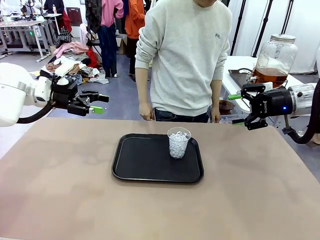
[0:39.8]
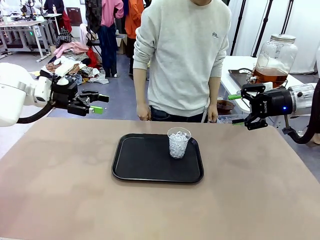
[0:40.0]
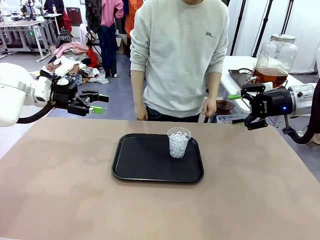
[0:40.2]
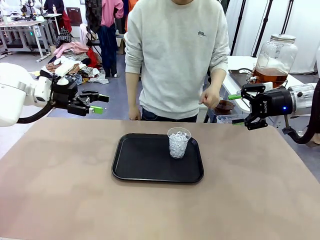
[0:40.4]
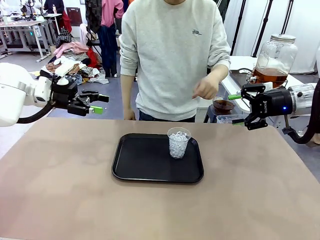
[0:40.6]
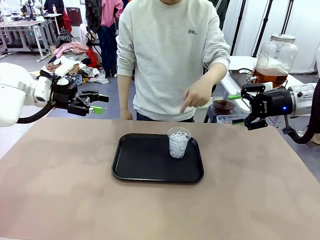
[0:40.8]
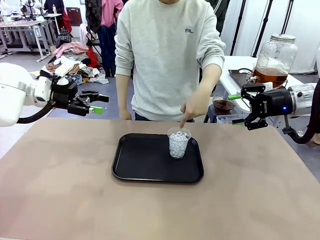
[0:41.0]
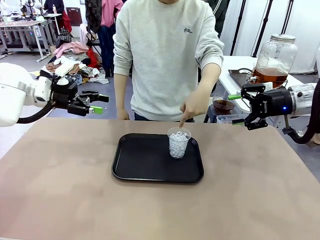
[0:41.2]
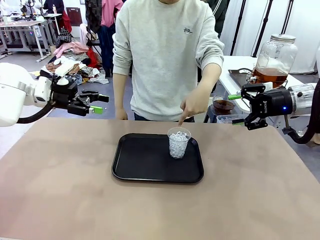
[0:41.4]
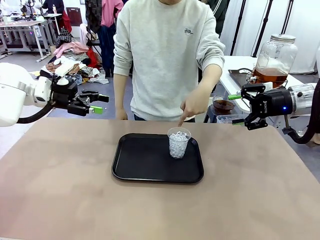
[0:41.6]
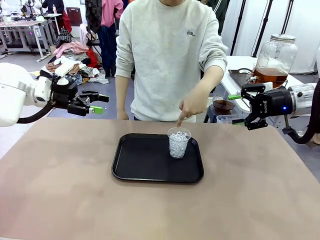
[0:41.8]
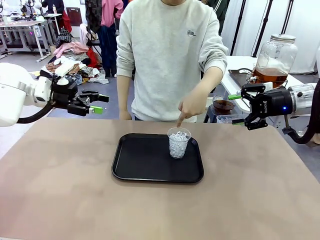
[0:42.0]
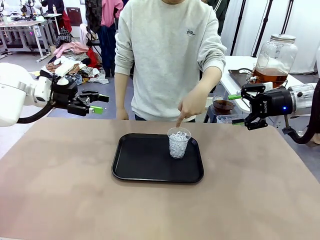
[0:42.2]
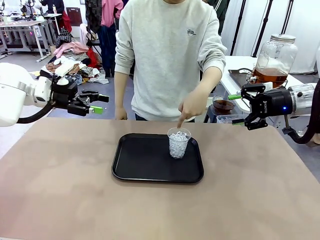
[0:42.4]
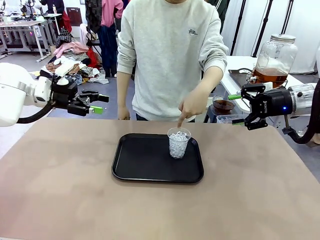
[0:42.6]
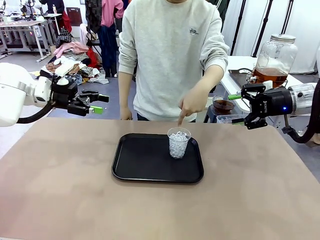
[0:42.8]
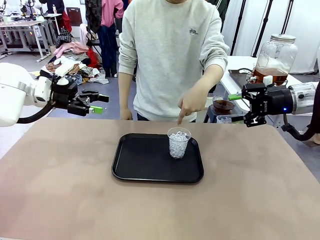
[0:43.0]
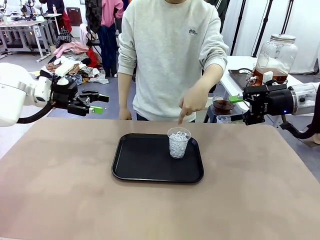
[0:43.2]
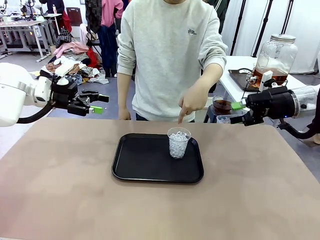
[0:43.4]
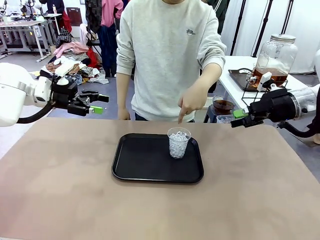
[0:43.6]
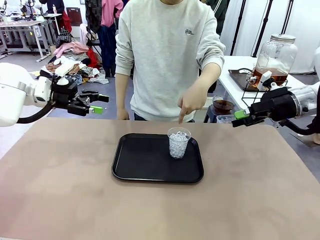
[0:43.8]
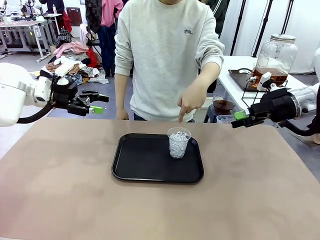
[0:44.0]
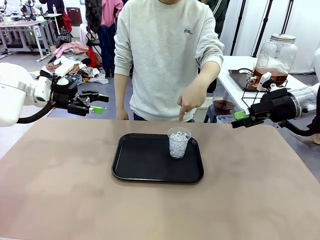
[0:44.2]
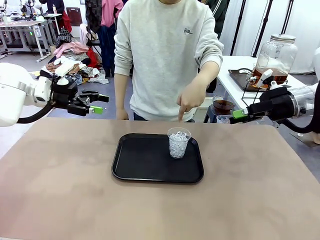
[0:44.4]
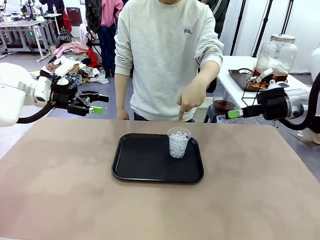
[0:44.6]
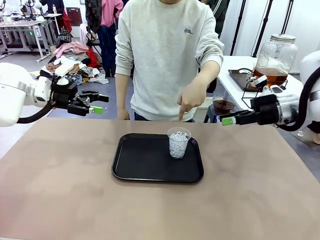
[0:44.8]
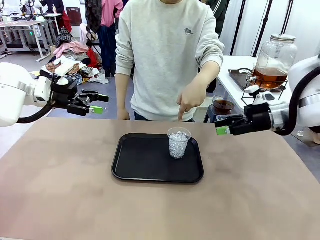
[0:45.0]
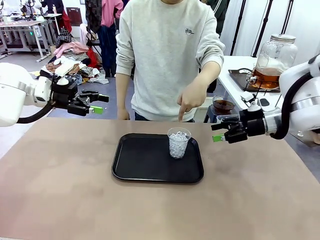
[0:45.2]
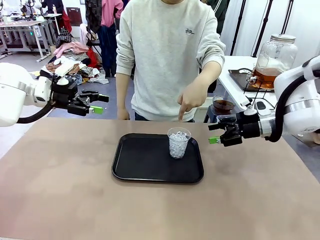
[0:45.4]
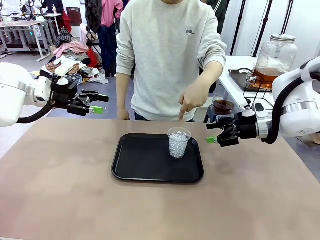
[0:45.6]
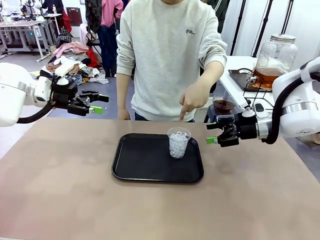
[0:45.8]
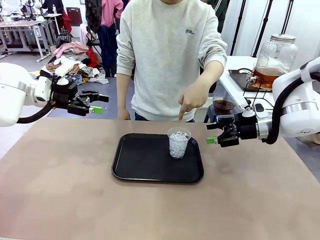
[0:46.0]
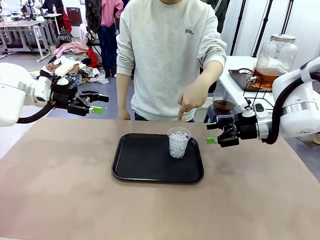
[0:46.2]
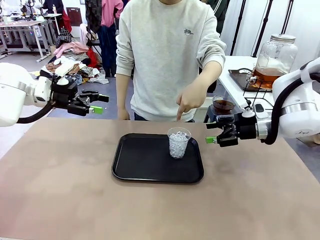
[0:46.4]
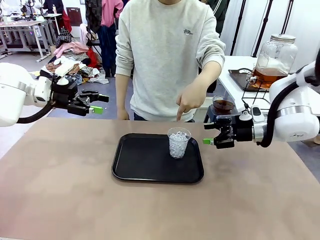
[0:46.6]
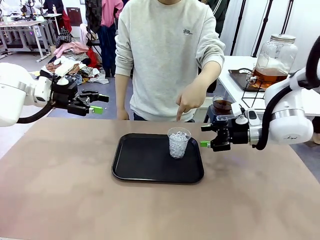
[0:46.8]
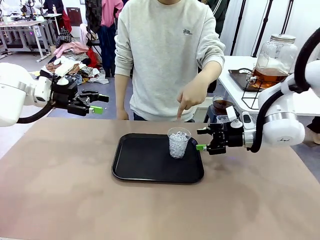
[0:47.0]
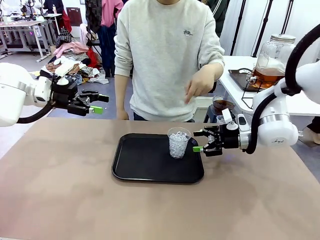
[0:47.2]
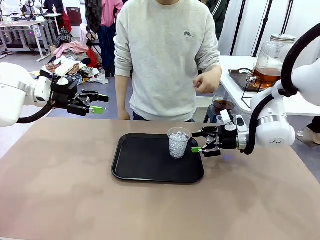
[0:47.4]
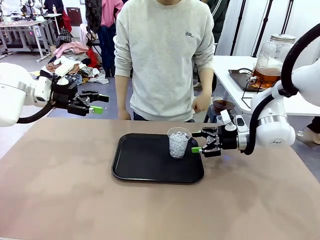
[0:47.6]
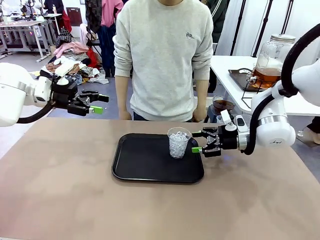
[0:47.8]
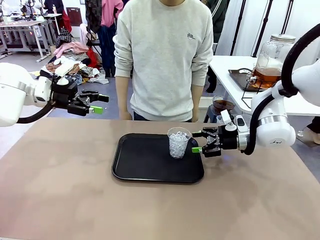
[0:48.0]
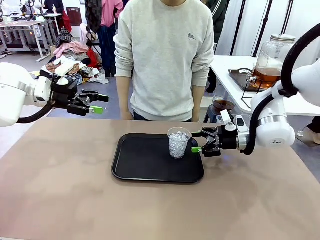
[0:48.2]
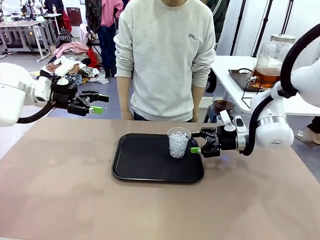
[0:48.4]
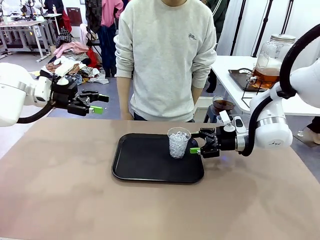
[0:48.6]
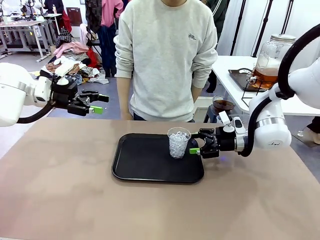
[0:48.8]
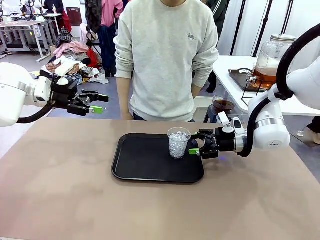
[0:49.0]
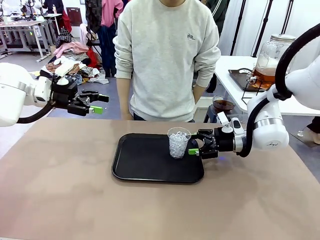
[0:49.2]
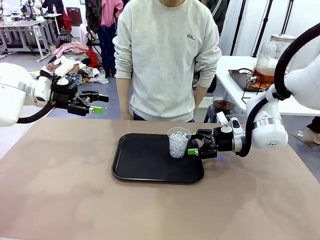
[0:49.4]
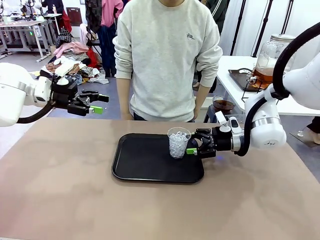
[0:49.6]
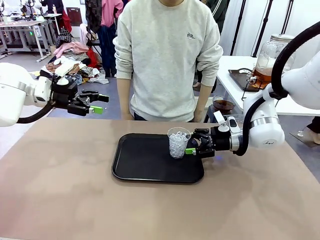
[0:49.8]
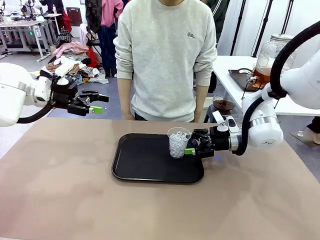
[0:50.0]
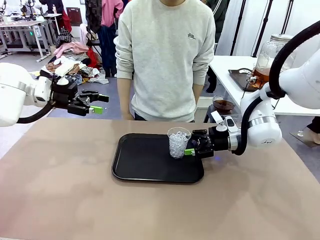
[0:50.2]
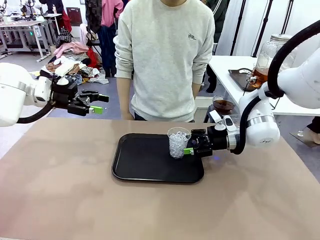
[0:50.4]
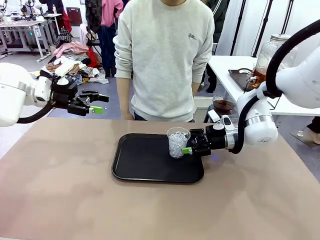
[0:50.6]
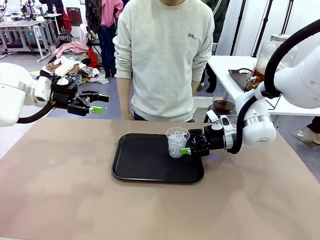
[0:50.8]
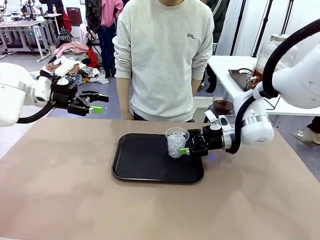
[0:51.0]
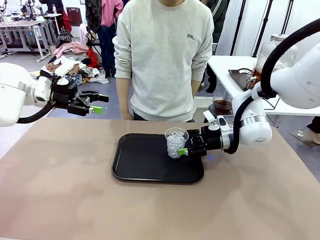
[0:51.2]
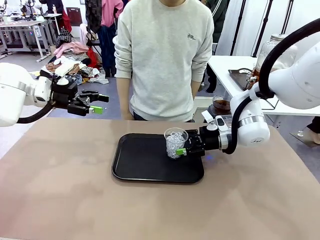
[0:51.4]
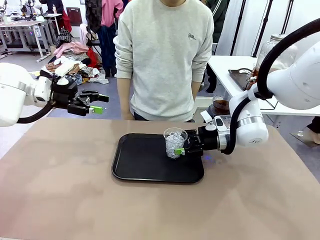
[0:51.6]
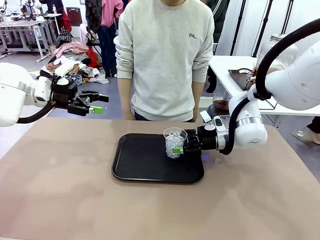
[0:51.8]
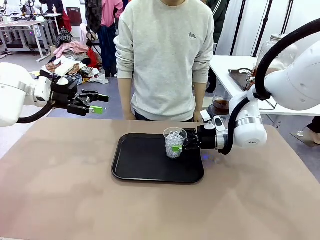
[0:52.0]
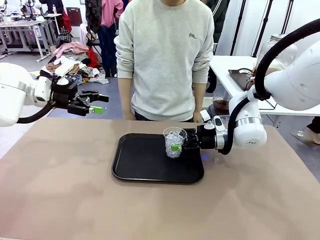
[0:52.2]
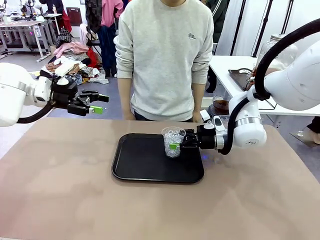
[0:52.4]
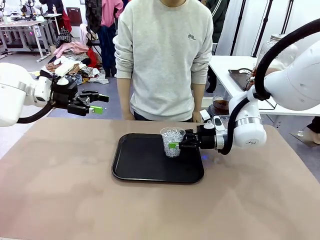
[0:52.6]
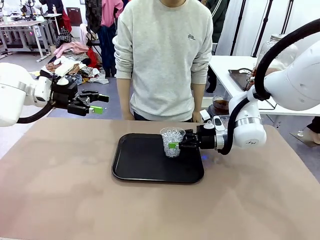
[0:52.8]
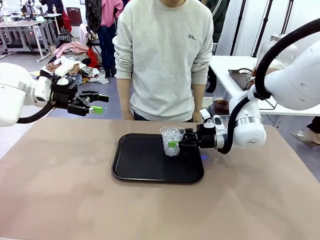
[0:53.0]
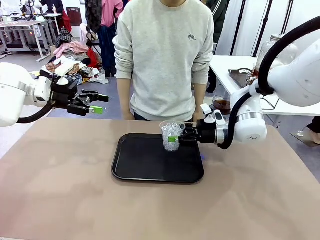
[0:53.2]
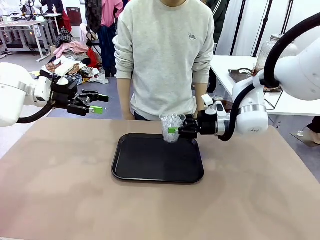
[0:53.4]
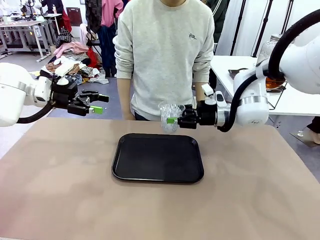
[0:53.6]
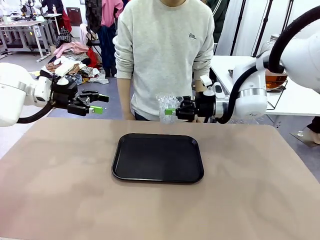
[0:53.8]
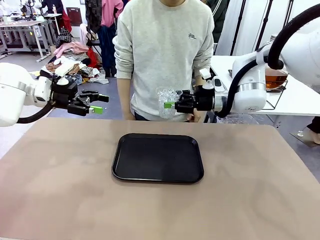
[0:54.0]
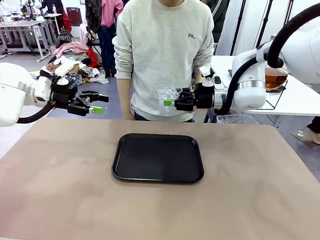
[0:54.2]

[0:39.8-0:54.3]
Task: Pour the drink into the iced cup.
Robot: Pick up the iced cup indicated by the human and present it to them.
Person: Point to the remaining ice cup on the robot table. Pick up the cup offered by the robot.

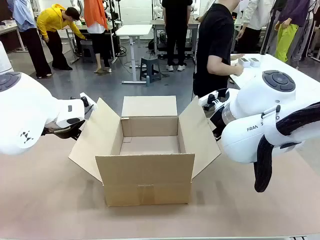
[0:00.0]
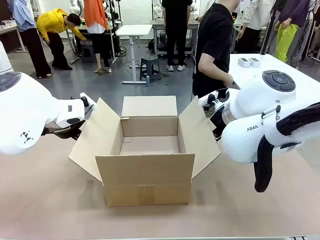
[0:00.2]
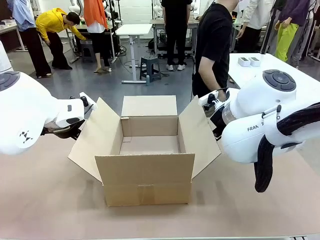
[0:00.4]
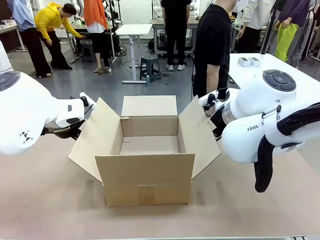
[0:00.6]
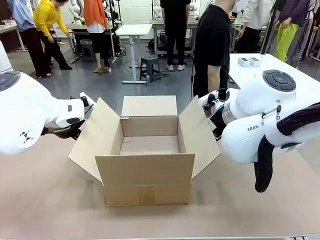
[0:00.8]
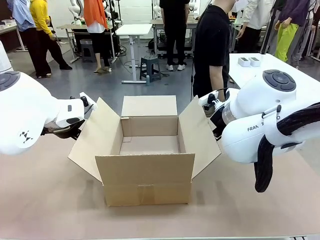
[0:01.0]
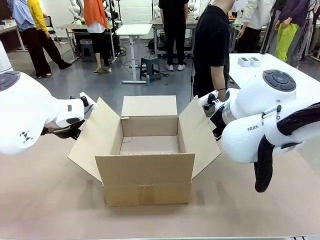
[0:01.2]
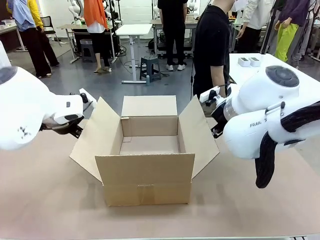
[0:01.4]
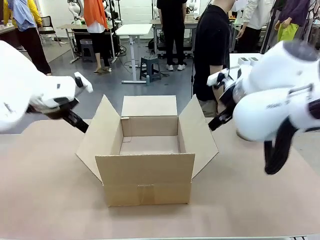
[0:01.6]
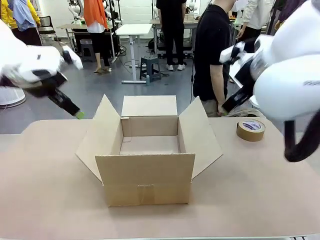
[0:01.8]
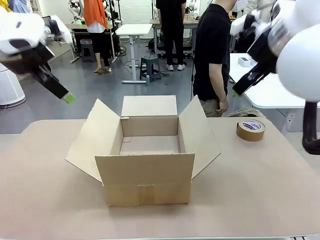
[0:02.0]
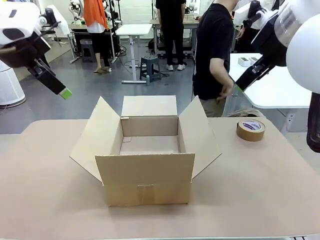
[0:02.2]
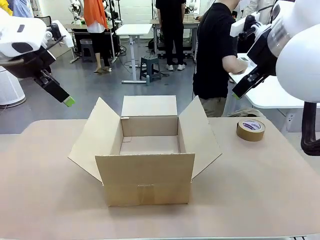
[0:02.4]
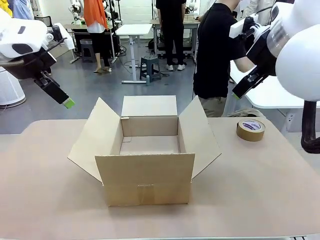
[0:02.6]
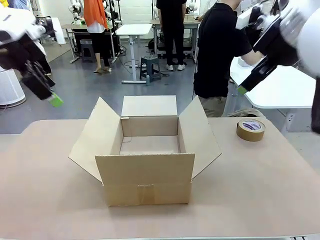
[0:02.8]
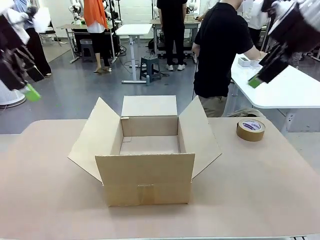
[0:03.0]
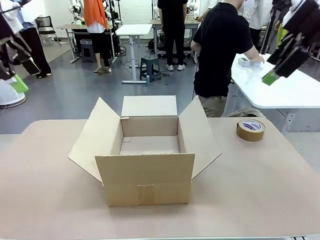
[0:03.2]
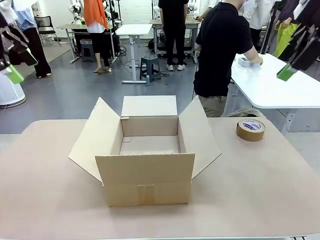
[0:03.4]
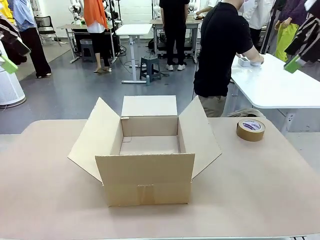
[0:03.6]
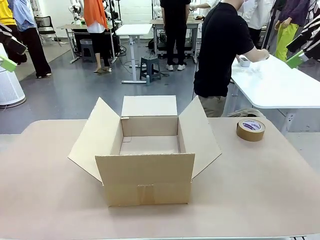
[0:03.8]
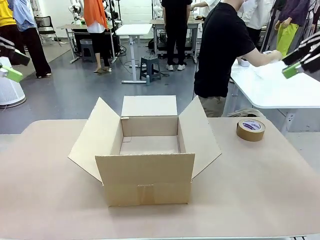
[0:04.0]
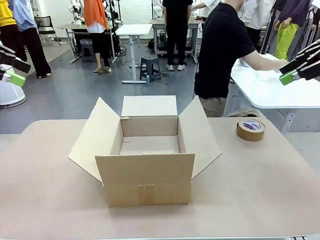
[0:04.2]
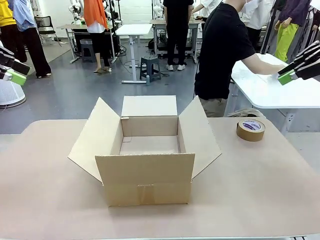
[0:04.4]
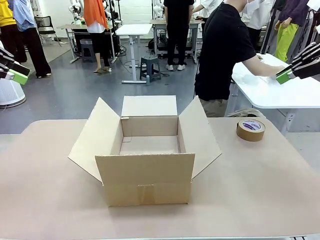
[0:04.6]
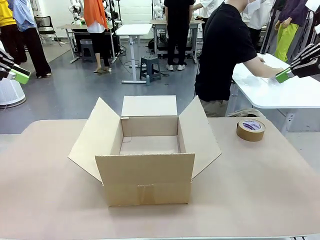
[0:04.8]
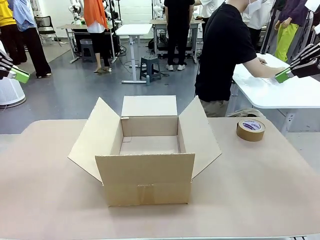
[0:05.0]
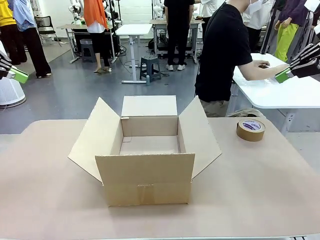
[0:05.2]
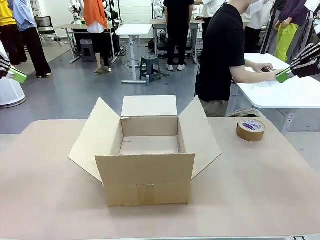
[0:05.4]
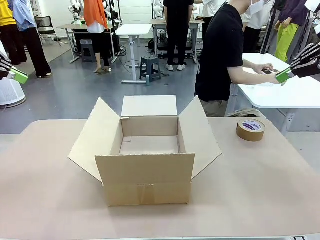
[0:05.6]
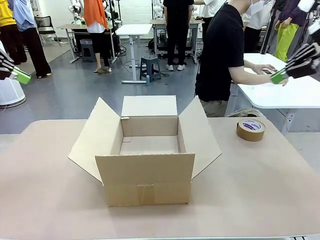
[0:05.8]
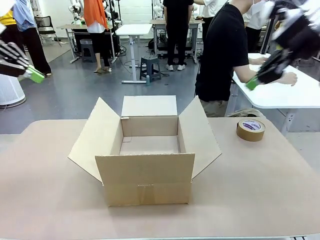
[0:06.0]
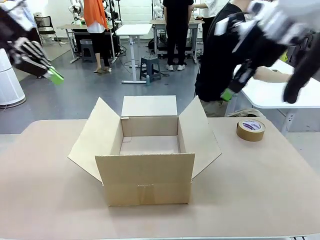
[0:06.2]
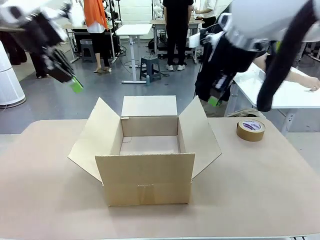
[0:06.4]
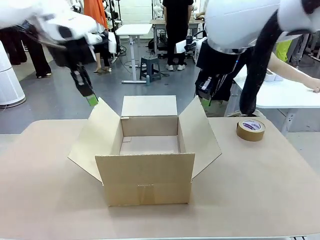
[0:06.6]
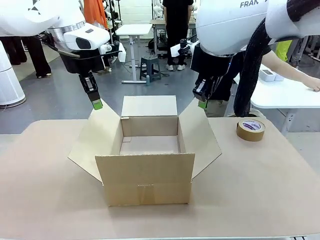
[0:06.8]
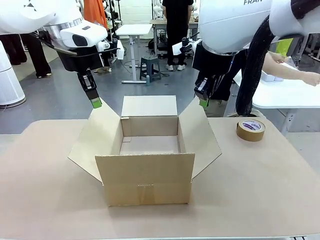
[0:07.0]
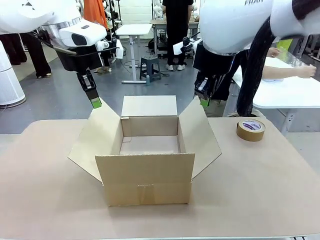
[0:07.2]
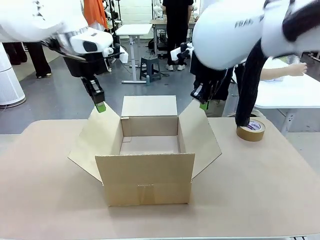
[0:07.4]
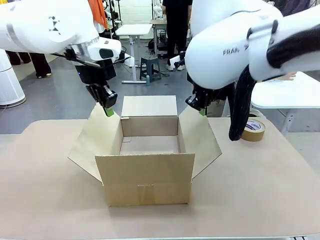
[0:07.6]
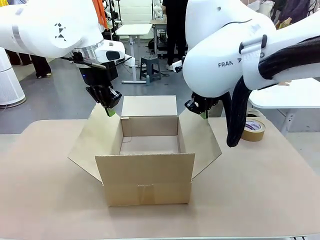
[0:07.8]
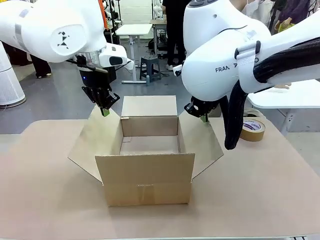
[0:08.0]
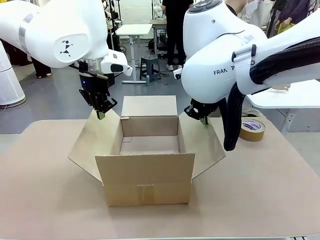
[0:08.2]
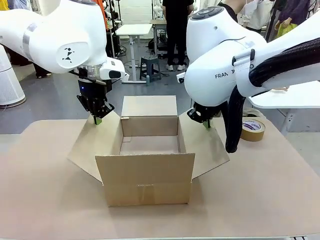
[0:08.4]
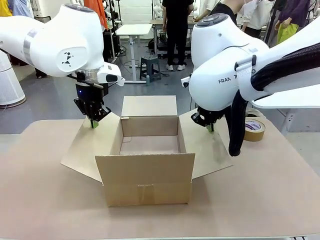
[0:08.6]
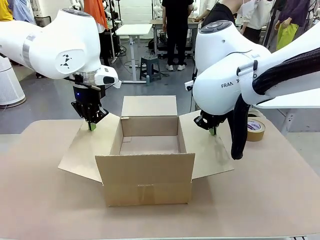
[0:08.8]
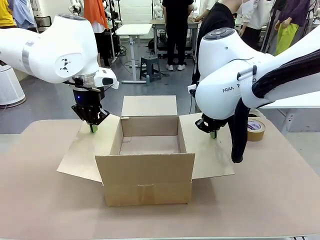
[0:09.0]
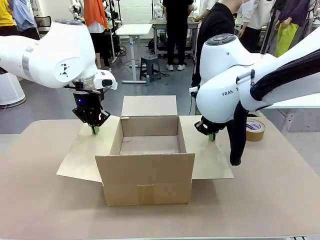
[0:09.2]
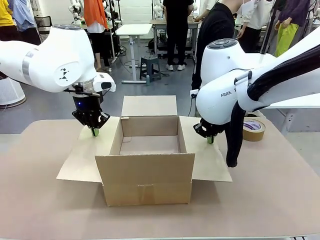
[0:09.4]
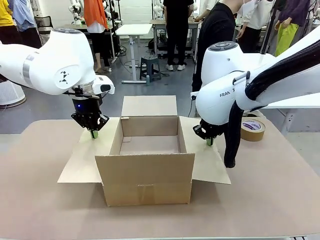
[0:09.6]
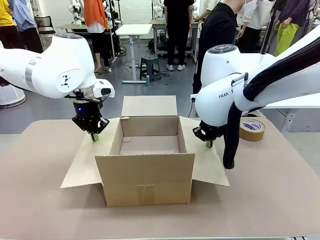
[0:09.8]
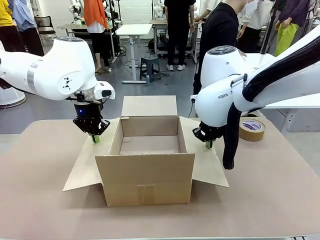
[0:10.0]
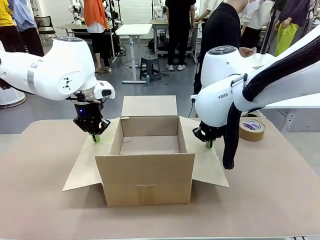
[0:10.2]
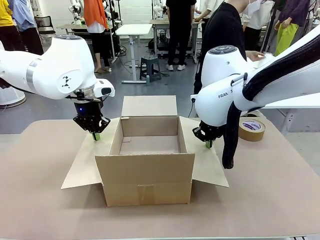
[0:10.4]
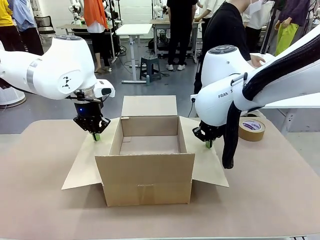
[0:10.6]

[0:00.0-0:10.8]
Task: Wrap the clocks to prevent damage.
Robot: Open the side flaps of the Package Box.
Person: Wrap the two Digital clocks with Bubble Wrap.
